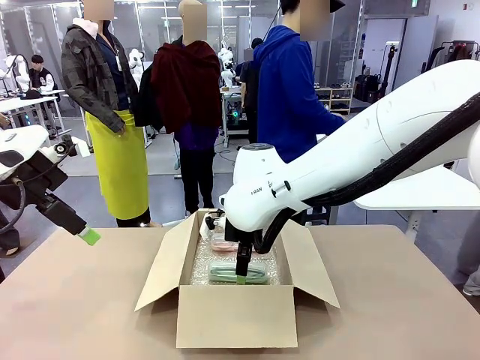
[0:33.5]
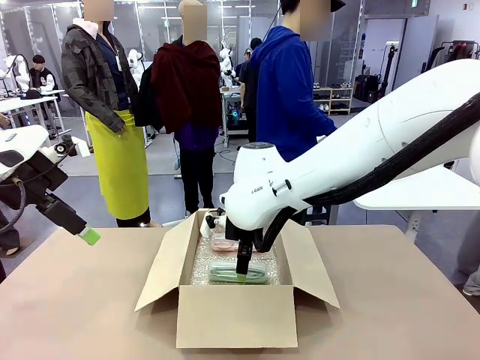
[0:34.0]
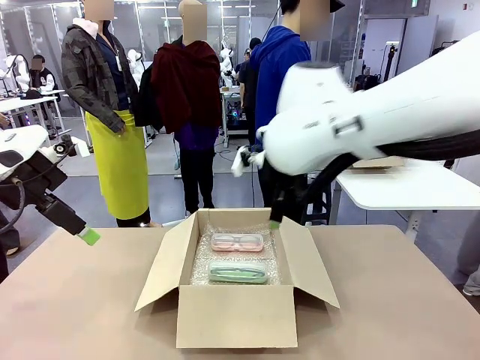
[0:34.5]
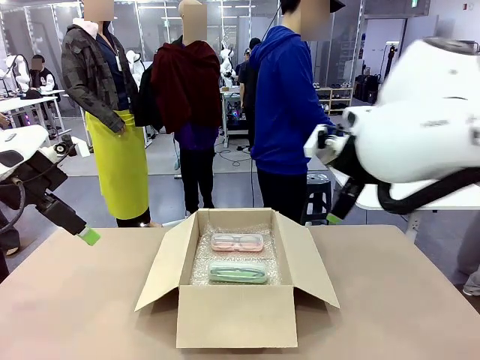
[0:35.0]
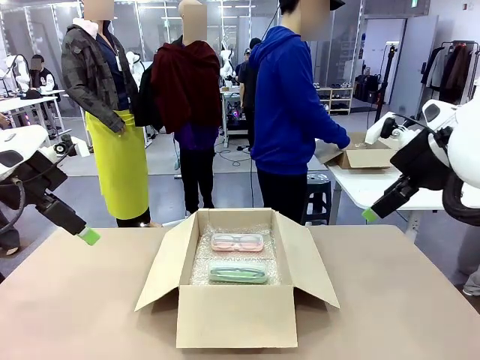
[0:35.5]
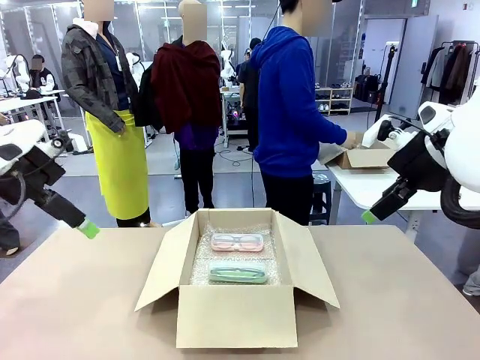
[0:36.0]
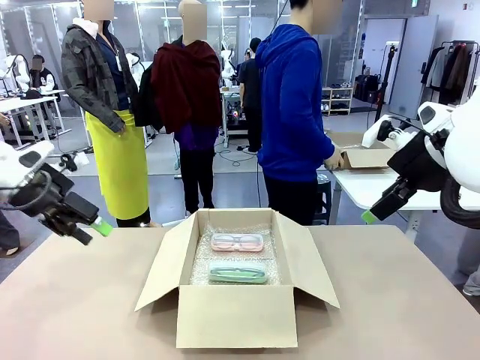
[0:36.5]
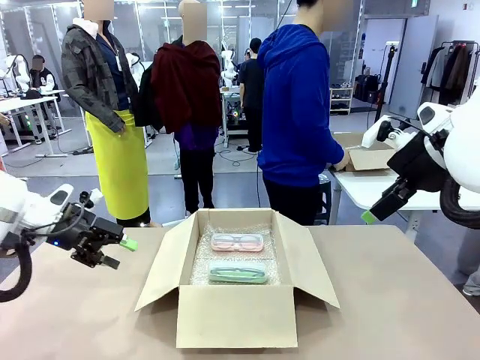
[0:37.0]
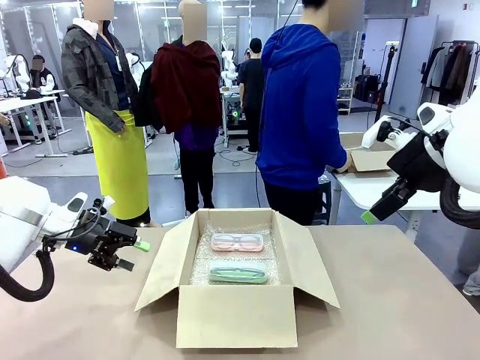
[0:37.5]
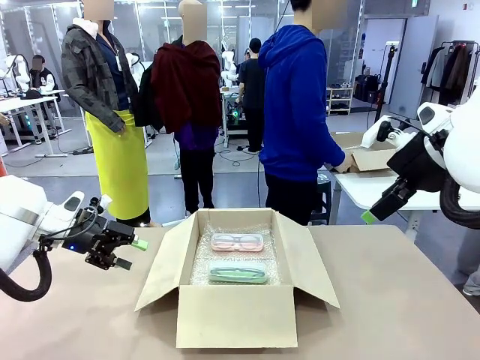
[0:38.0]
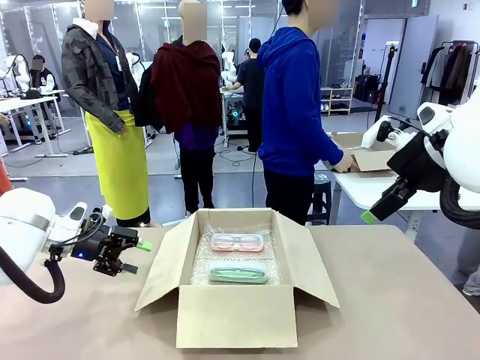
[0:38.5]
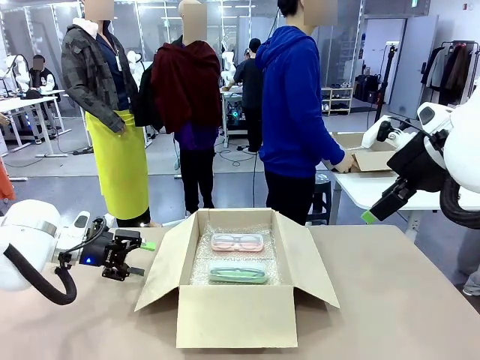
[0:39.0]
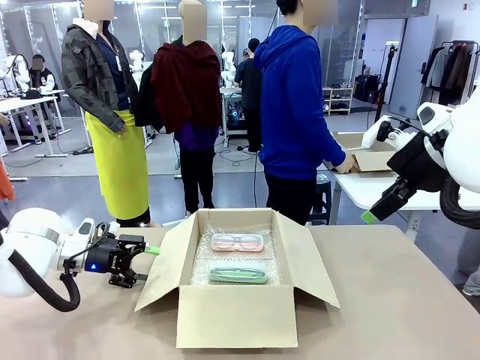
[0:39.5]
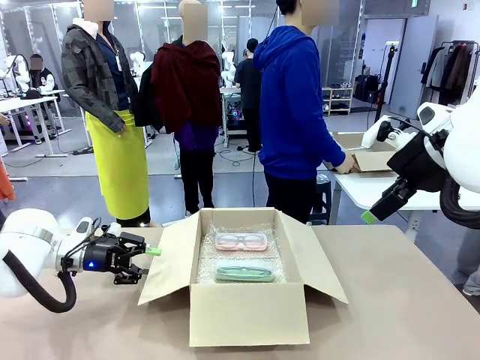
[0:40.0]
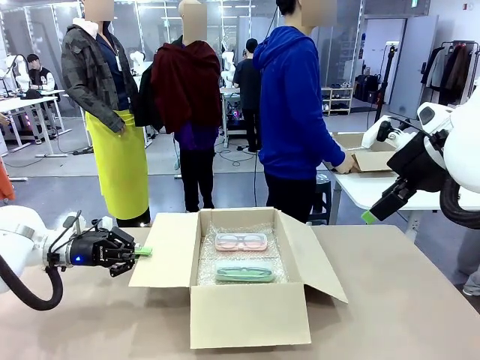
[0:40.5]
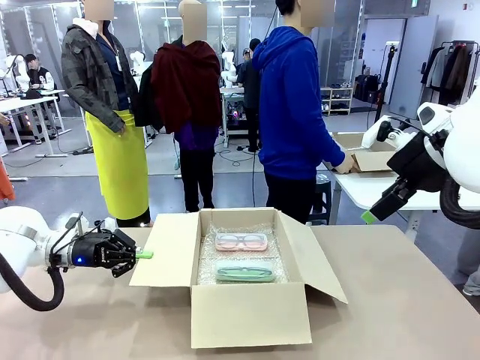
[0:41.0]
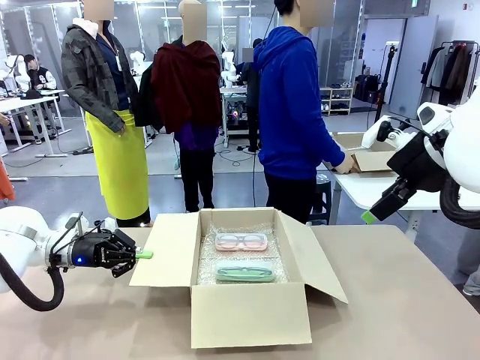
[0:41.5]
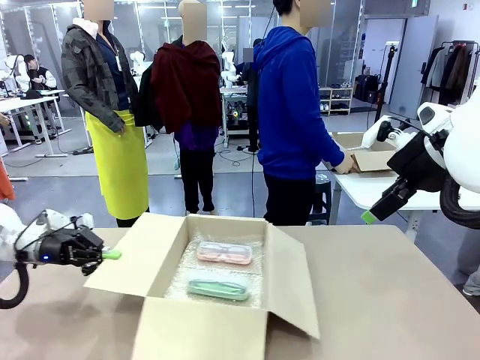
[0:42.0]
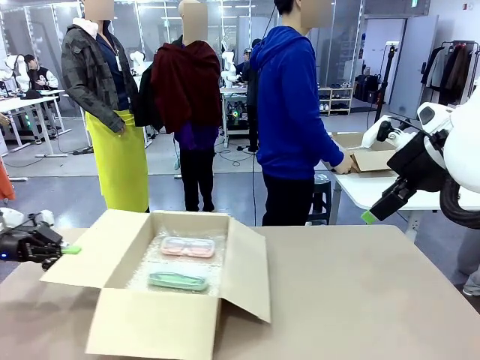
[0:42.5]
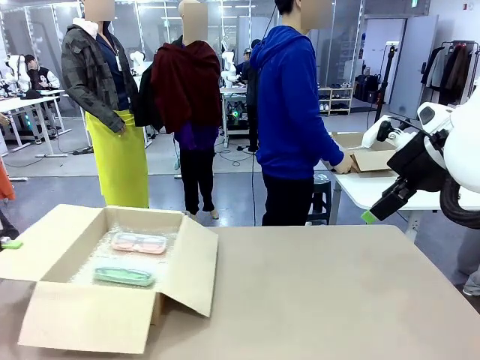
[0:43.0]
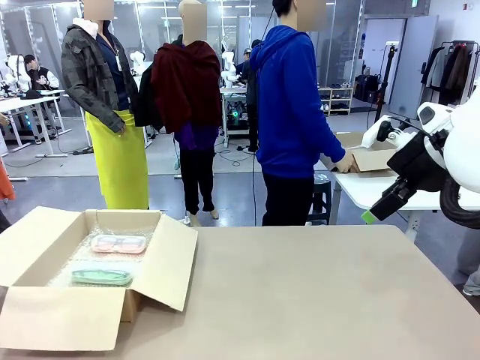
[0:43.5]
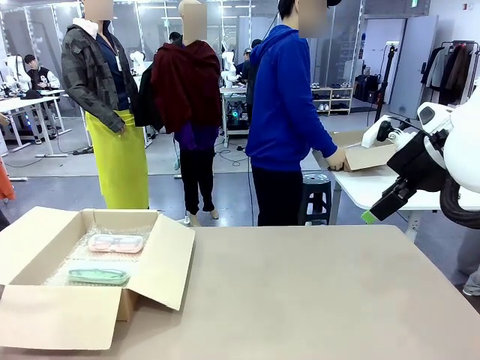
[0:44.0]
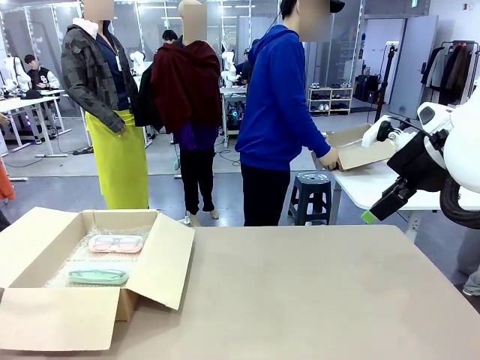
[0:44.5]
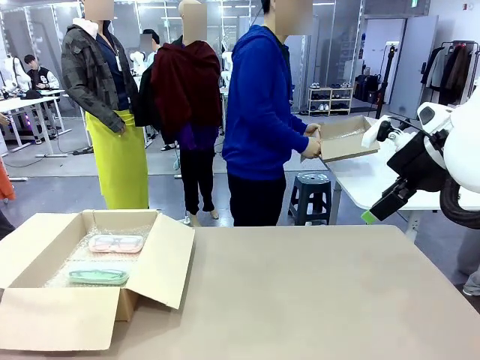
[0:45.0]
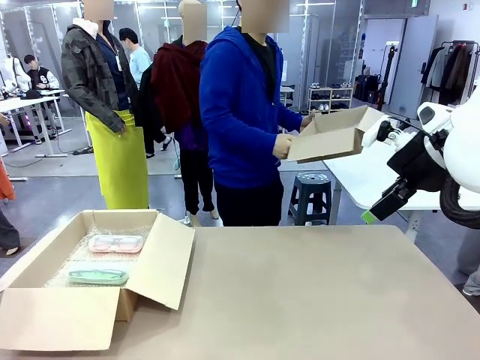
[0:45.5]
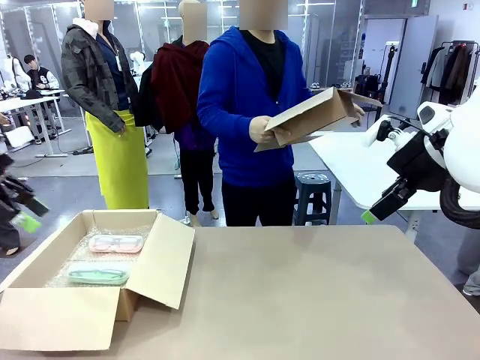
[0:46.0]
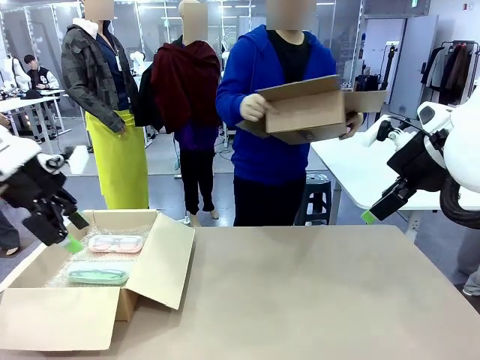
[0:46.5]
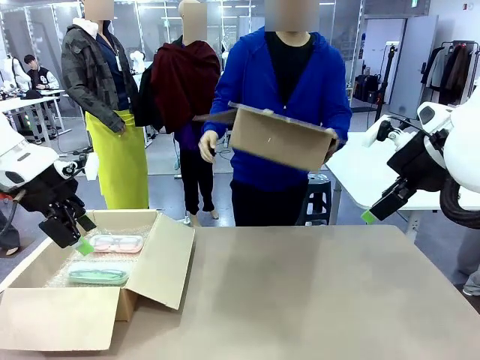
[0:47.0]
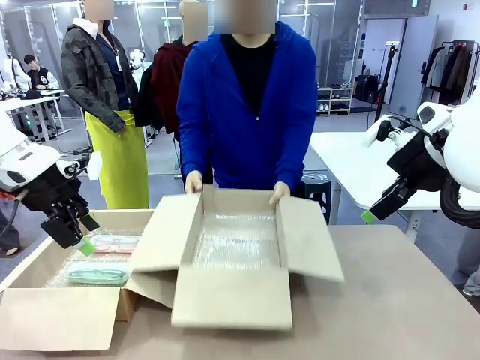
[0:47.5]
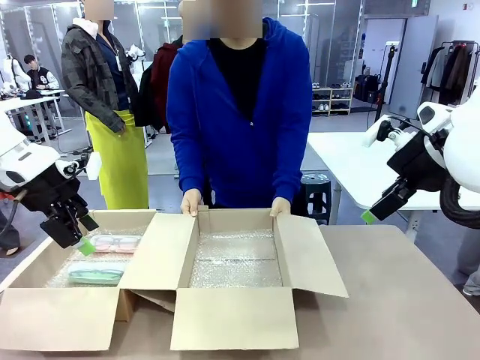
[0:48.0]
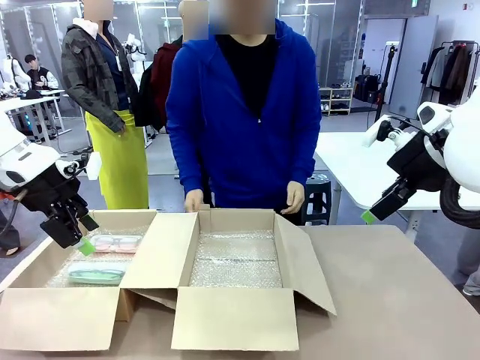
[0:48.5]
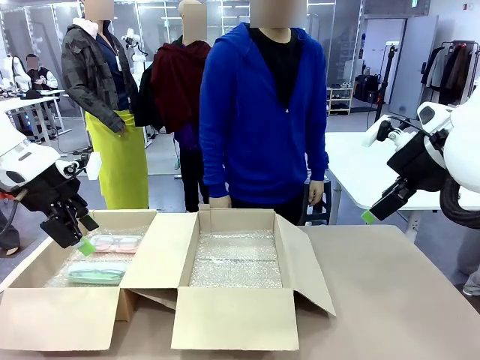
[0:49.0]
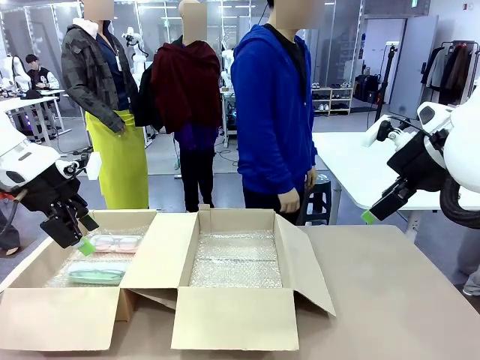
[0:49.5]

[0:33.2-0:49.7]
Task: Pack the glasses set securely to prepare it for shipping.
Robot: Position the Package Box on the left side of the table.
Person: Position the empty Package Box in the middle of the robot's table.
